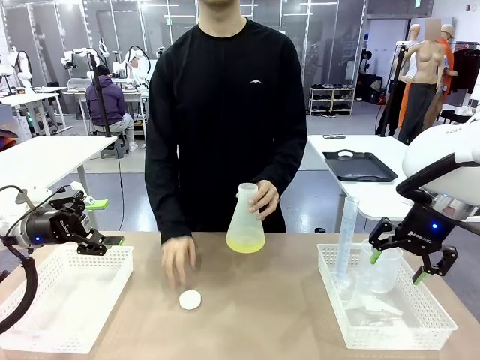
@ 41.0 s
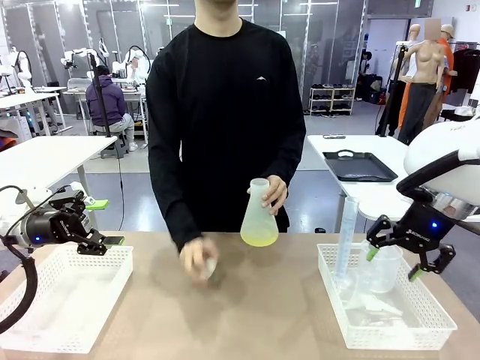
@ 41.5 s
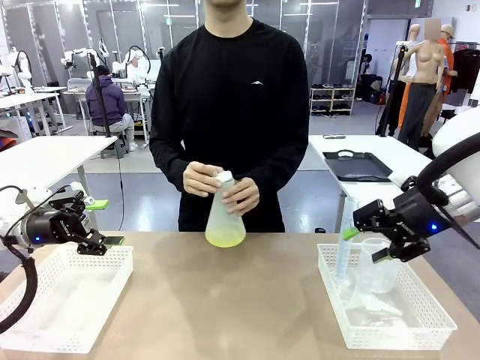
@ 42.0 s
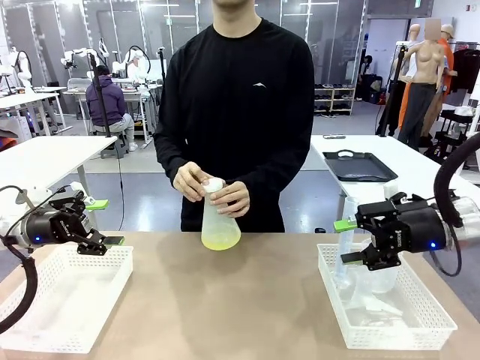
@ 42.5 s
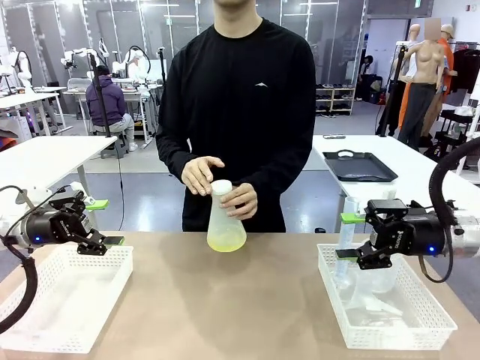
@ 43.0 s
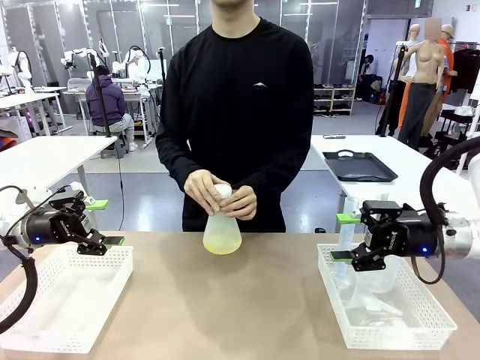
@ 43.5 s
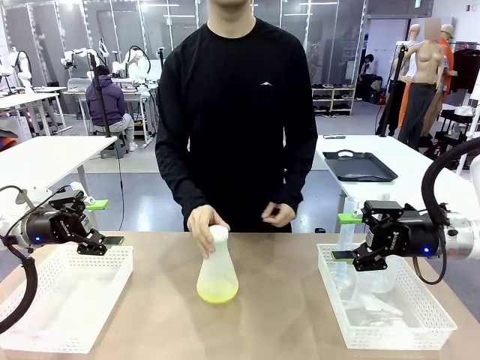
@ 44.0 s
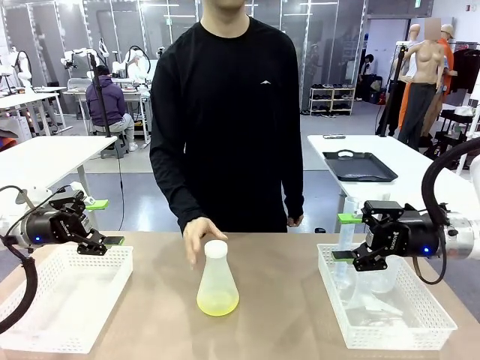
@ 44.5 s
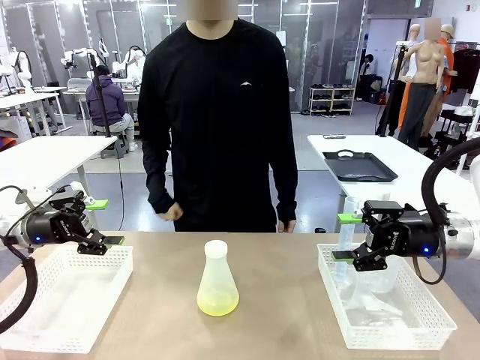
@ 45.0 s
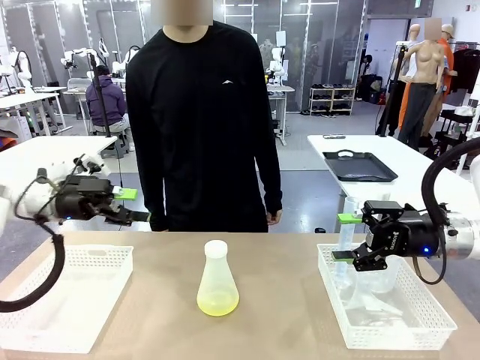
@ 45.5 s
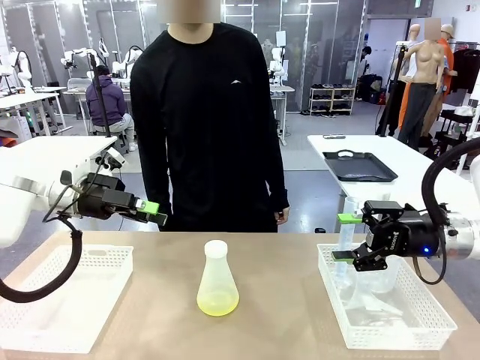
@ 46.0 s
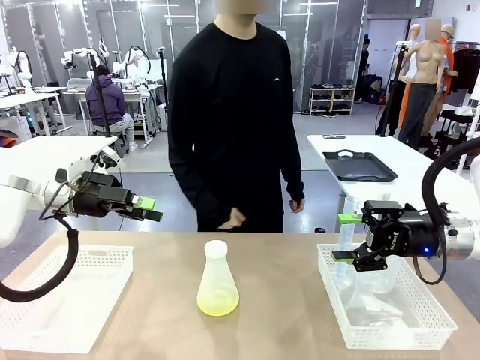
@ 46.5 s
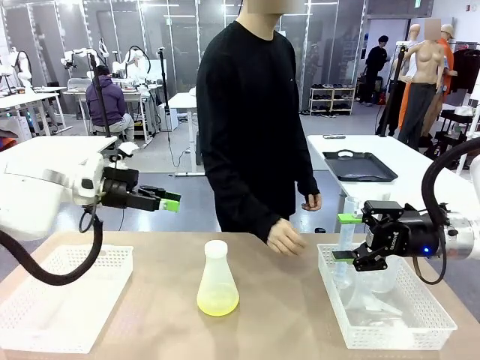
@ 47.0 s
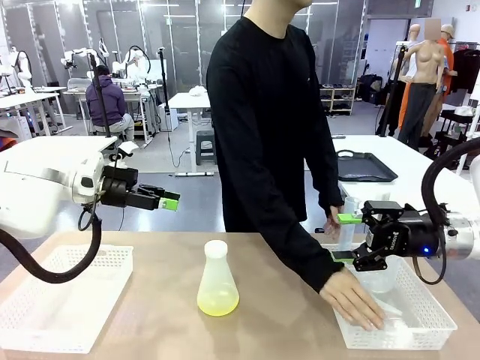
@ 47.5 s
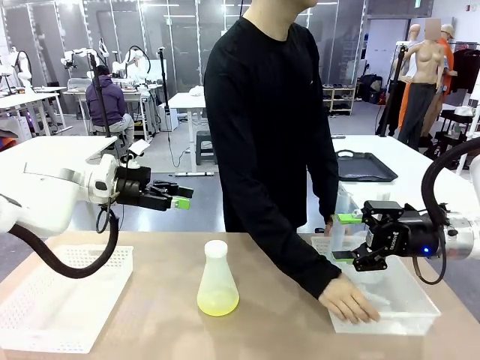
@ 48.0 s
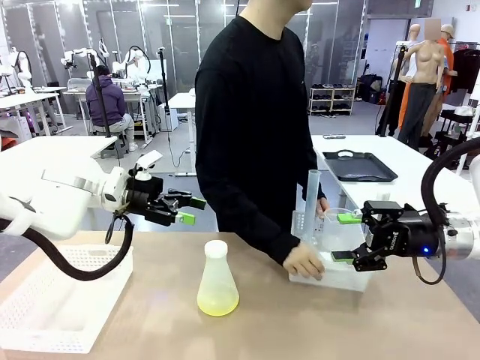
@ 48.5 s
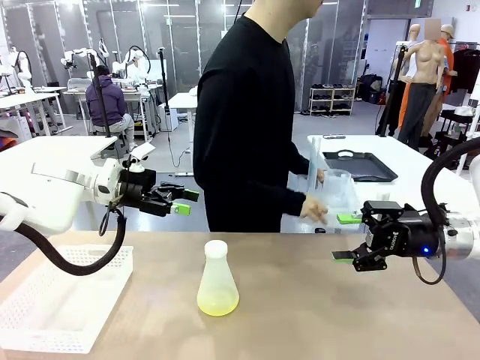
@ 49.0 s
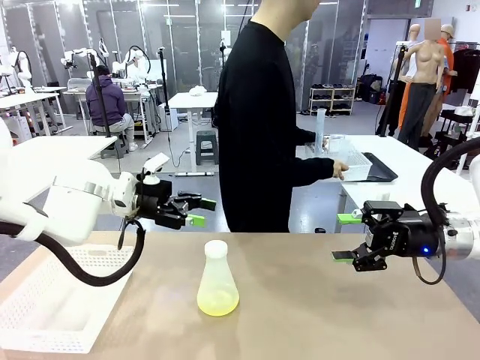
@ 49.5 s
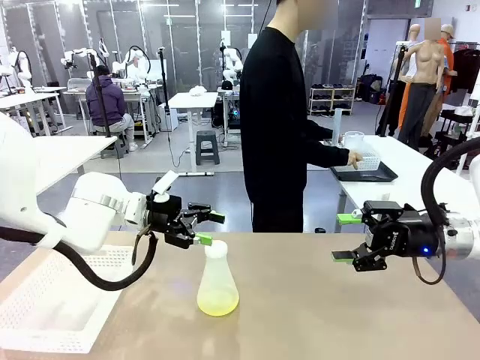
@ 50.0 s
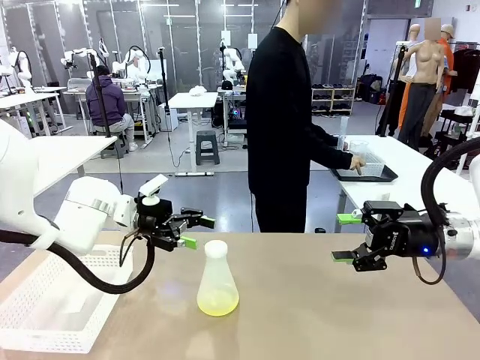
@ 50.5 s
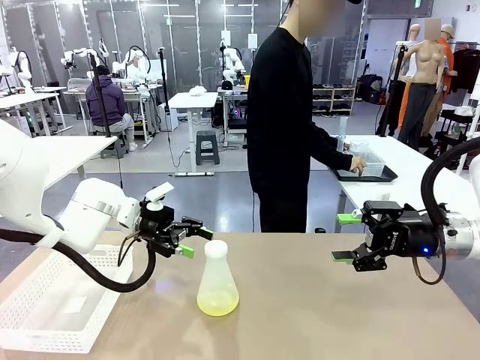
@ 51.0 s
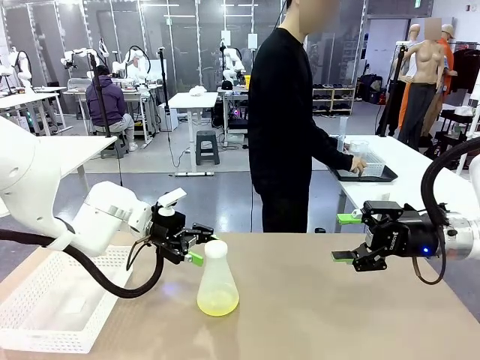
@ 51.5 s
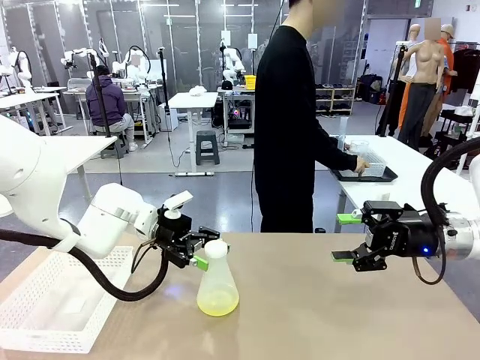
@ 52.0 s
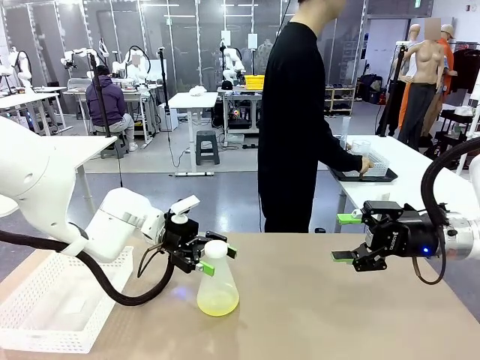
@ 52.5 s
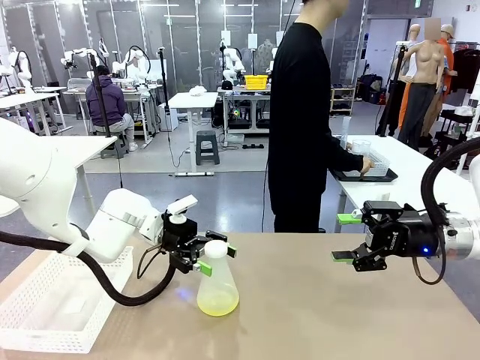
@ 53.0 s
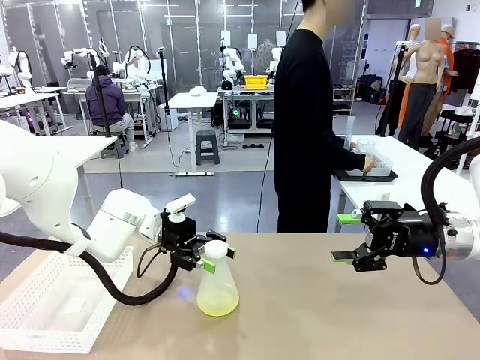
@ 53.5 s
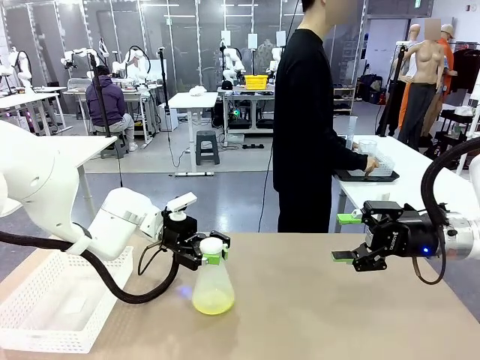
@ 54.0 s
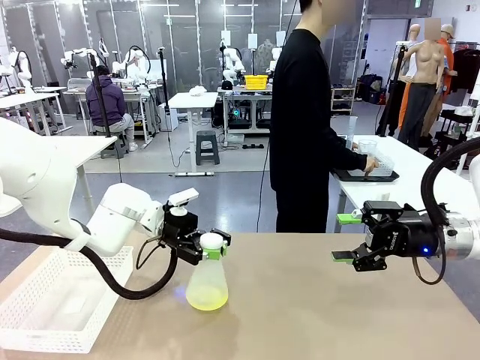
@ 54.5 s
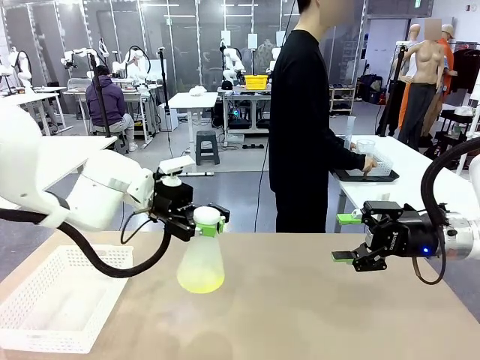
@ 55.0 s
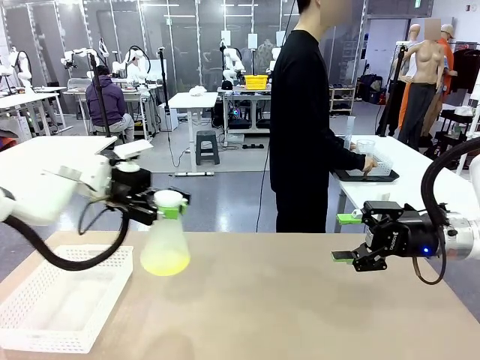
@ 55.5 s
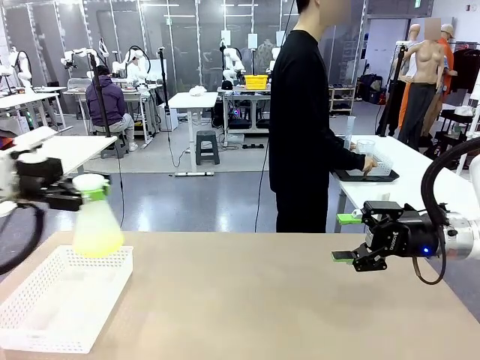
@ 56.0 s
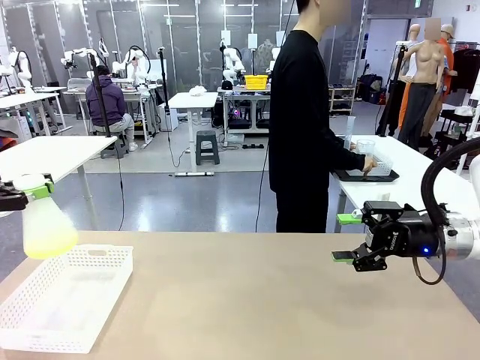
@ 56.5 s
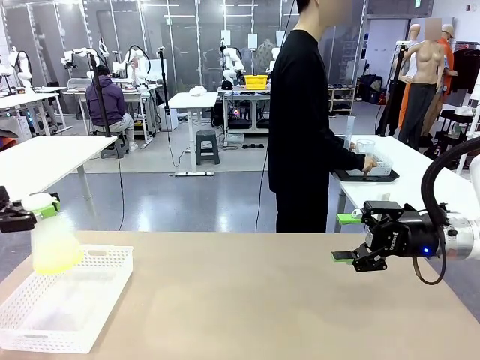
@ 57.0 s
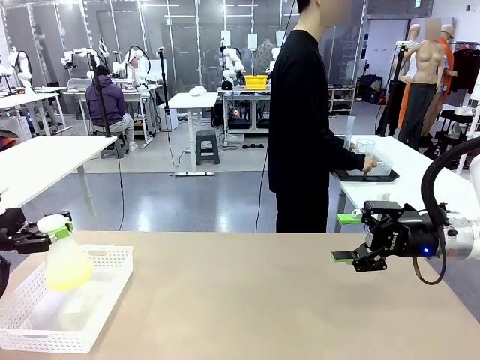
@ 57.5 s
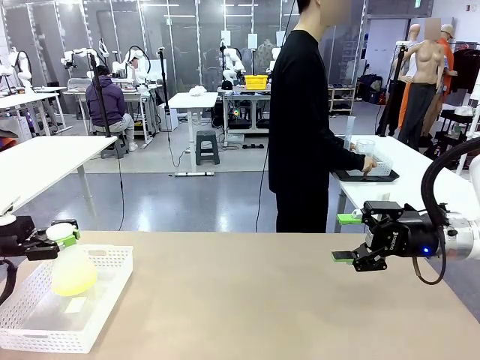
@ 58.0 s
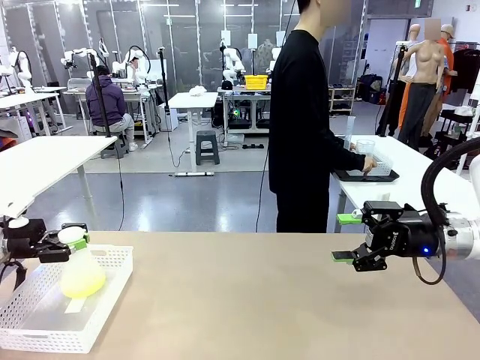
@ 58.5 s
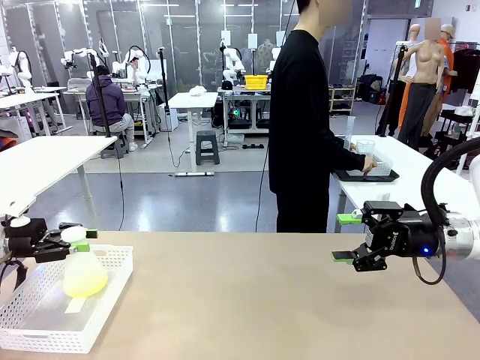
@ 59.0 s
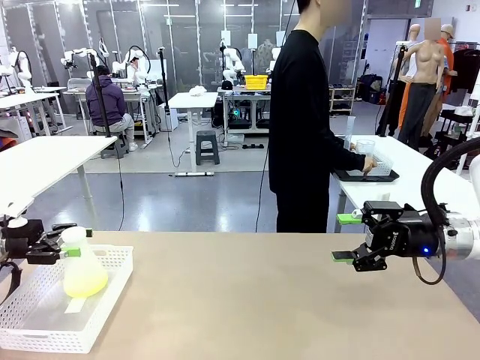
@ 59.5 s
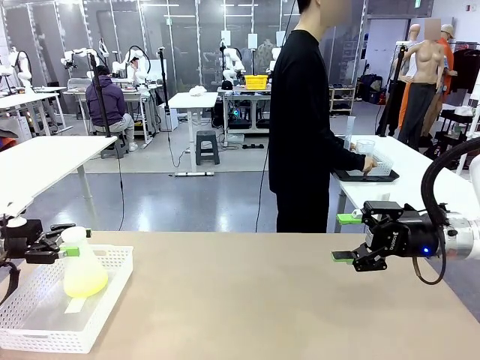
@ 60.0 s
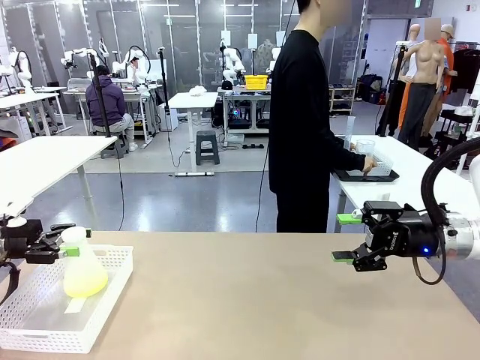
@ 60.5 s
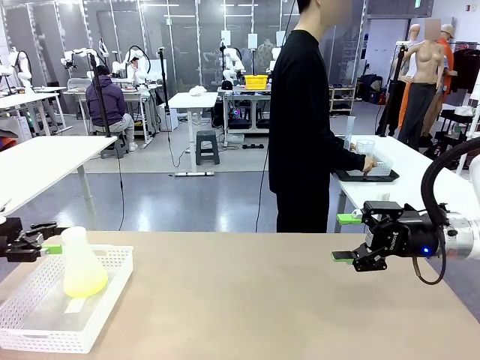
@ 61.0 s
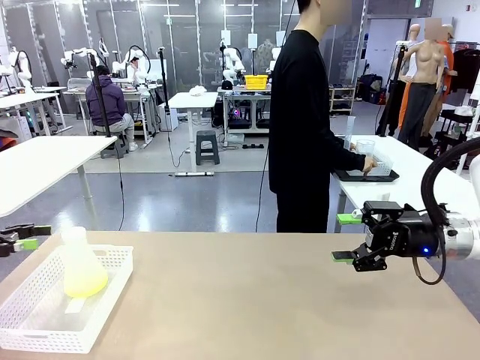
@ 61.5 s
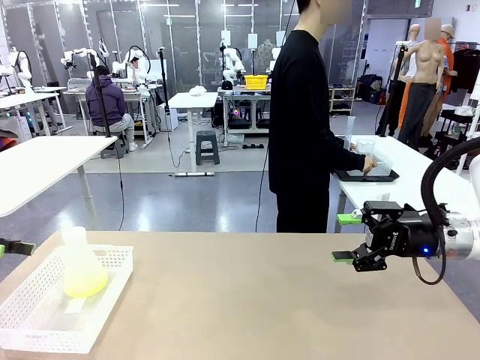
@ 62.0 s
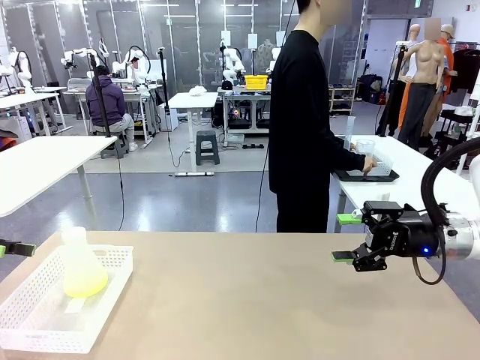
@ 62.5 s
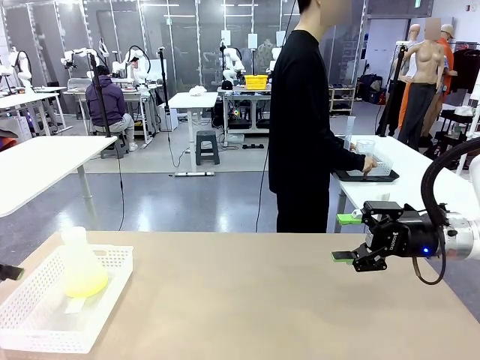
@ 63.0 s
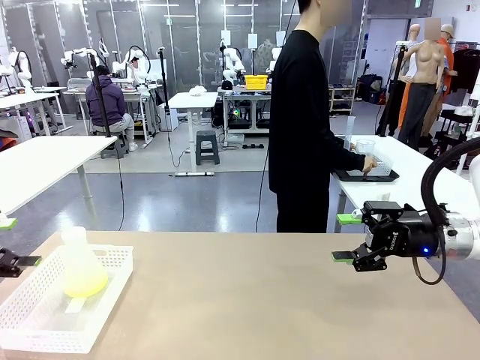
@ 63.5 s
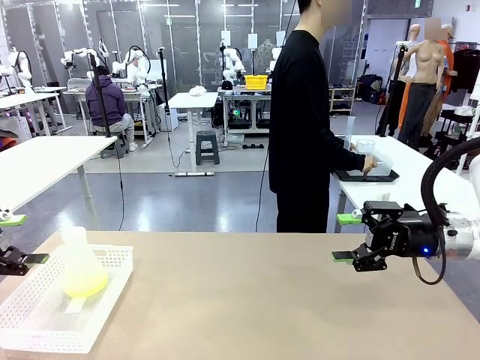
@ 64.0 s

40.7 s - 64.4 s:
Task: Prepare the solutions needed for the experiment.
Robot: When the human places the Big flask in the center of the table, pick up the Big flask and place it in the left Organizing basket.
Person: Pick up the organizing basket on the left side of the robot table and place it on the left side of the human table.
